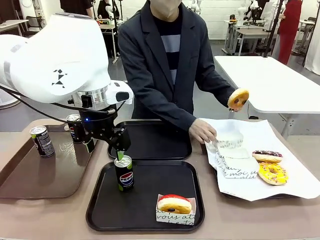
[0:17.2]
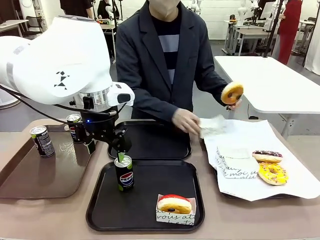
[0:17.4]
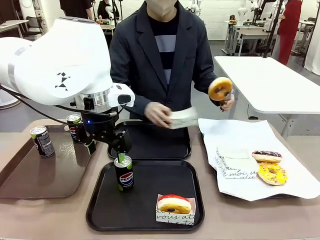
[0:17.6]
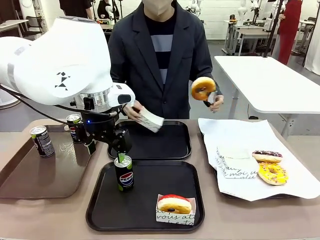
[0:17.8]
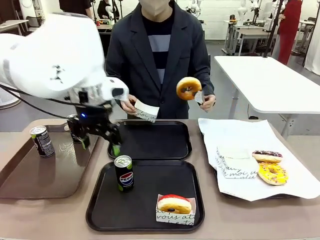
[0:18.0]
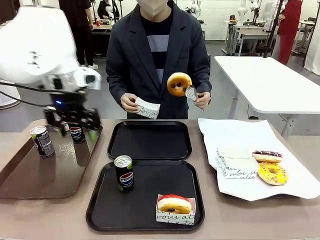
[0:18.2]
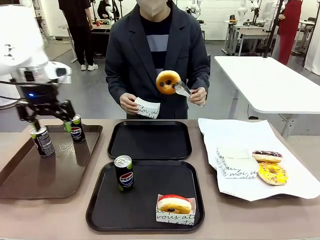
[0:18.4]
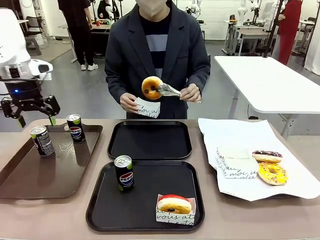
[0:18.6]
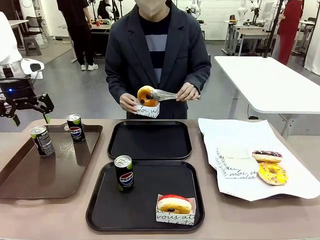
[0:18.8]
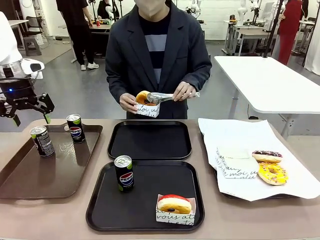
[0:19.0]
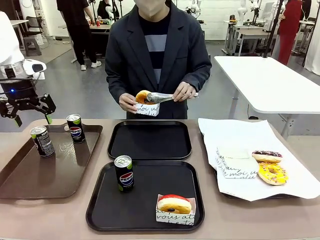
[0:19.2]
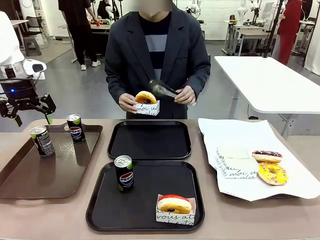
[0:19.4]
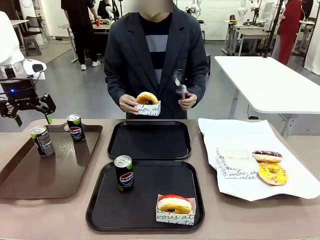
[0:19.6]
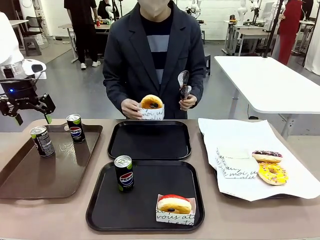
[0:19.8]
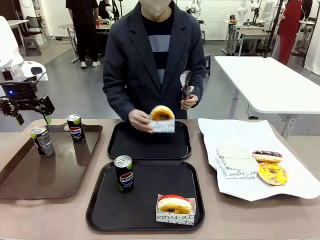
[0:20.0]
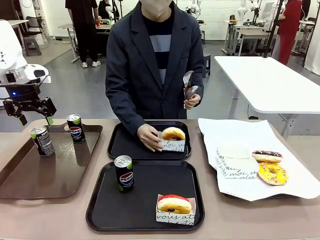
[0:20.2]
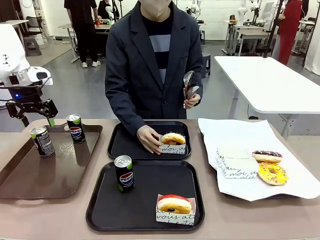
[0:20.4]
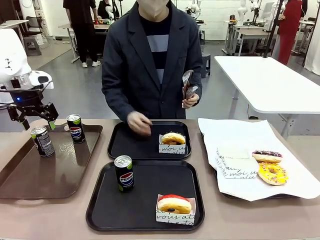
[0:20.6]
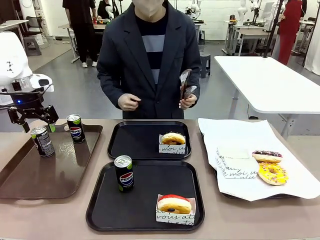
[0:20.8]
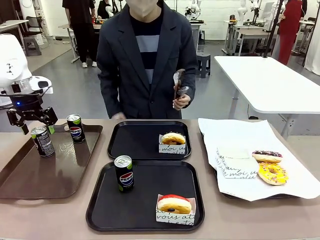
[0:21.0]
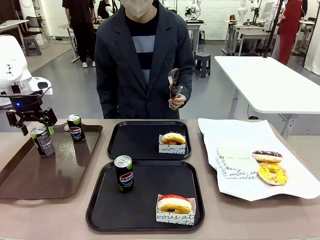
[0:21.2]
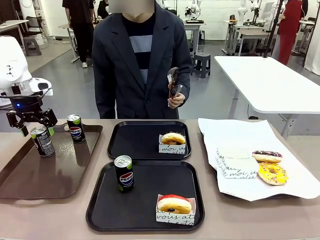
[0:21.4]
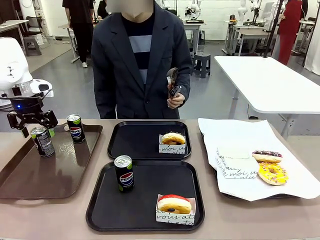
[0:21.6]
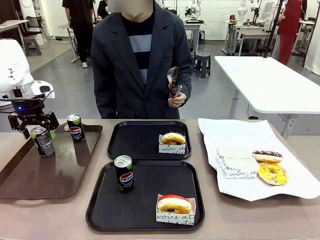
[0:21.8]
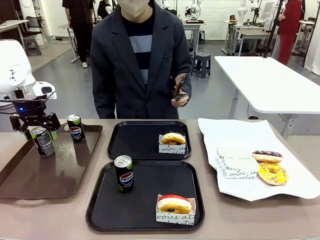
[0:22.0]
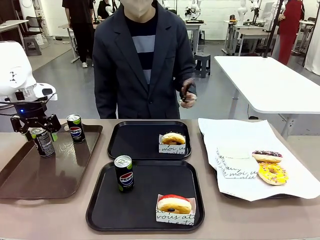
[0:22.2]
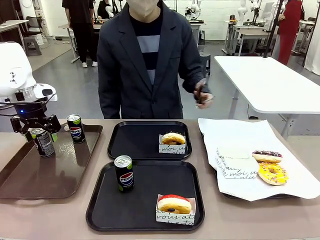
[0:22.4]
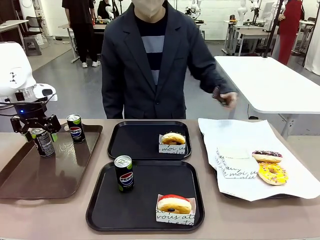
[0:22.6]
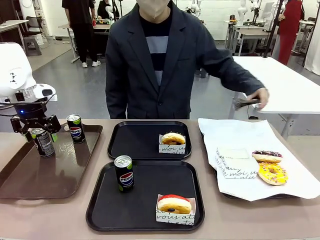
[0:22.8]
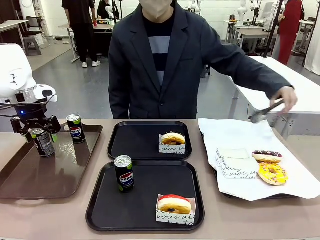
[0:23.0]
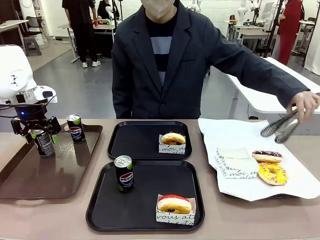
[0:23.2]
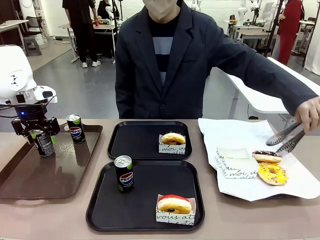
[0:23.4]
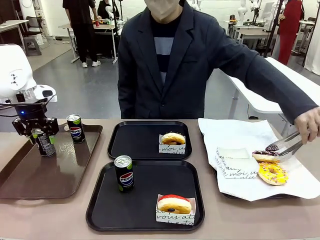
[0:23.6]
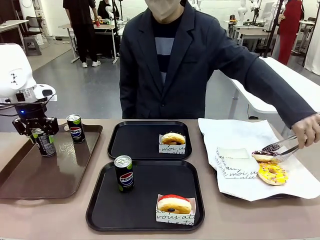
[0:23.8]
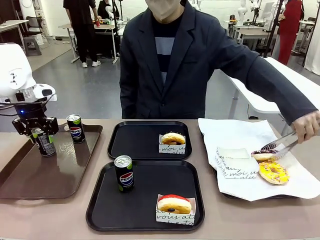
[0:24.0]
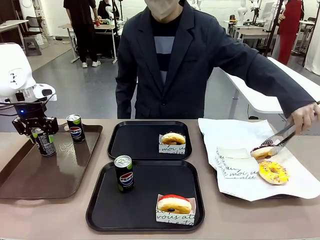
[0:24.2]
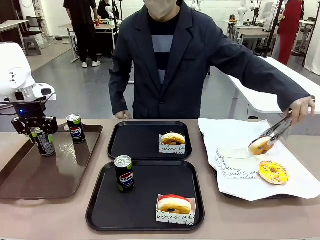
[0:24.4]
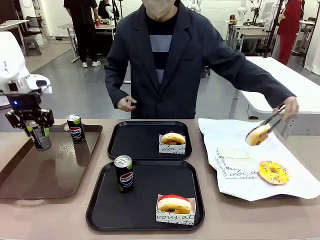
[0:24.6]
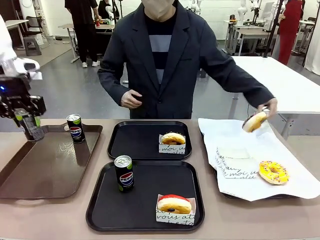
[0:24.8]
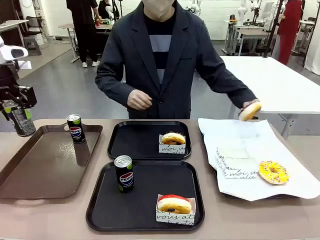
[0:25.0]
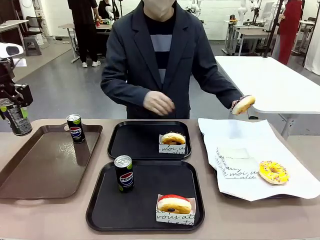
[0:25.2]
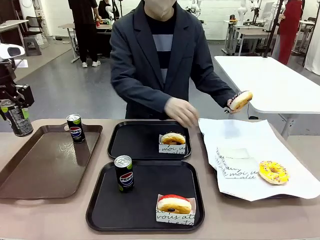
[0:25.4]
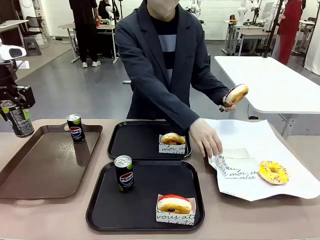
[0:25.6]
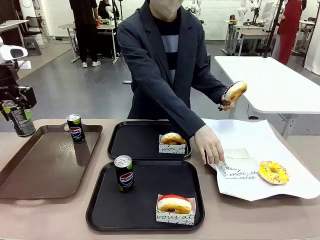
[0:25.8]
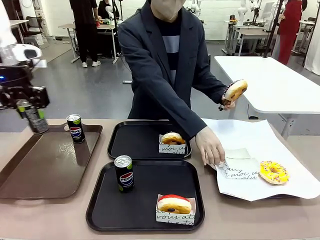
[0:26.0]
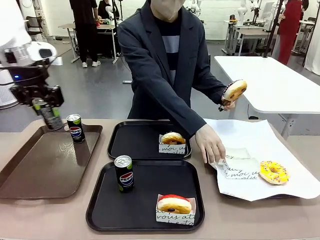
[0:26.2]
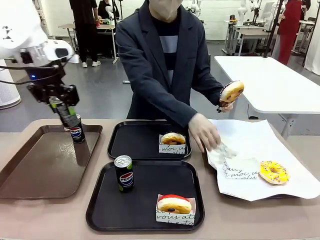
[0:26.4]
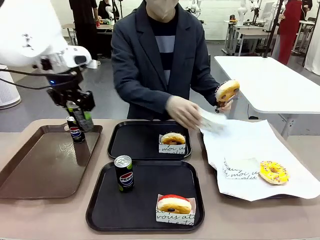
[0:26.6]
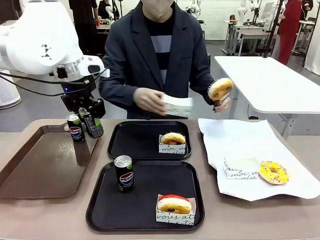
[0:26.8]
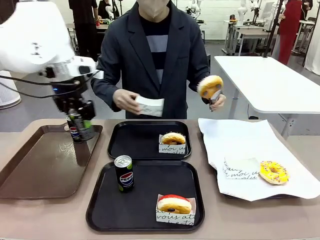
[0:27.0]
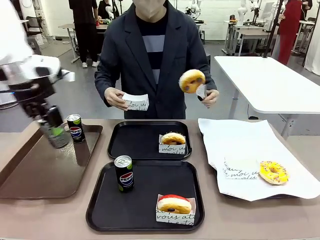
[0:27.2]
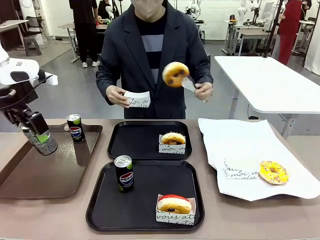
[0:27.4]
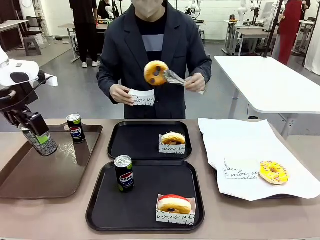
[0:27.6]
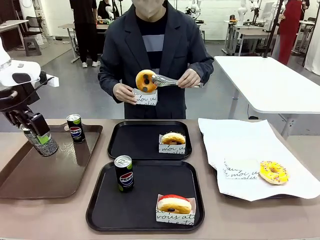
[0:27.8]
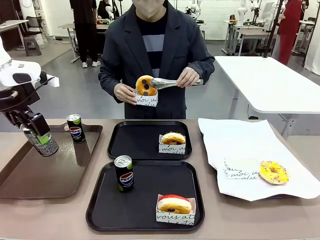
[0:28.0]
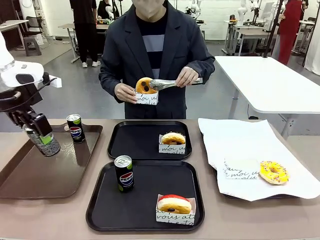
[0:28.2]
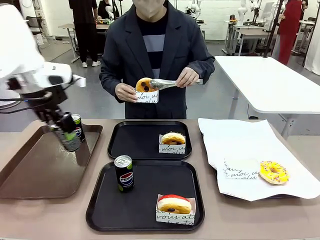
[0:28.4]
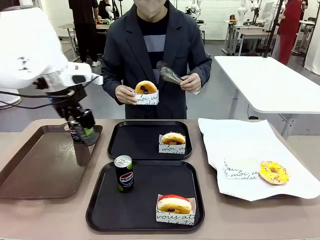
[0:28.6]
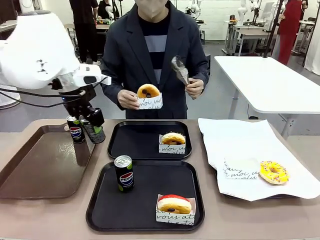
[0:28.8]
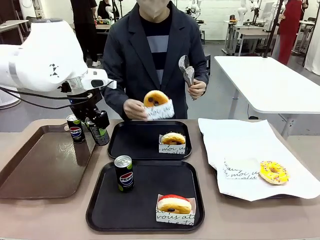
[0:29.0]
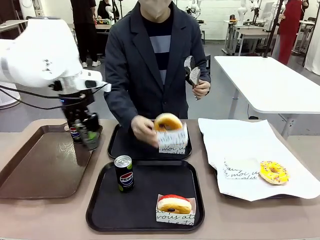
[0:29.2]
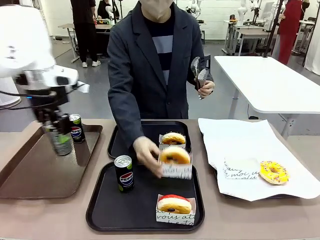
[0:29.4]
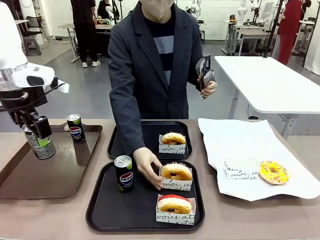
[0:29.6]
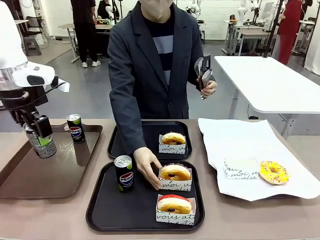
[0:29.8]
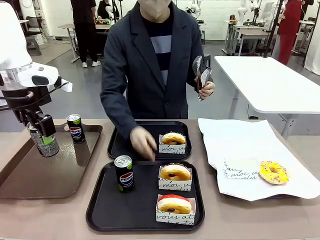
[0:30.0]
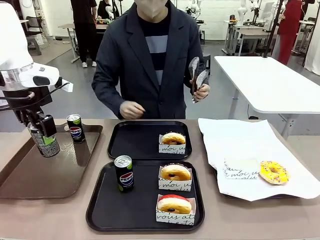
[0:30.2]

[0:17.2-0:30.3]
Task: Set up donuts and drinks on trays.
Robot: Pick up one Pepsi coke from the Handle tray and place it on the Flat Tray without a Pepsi coke.

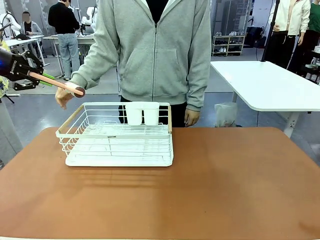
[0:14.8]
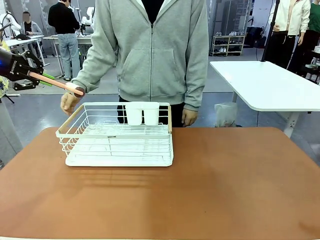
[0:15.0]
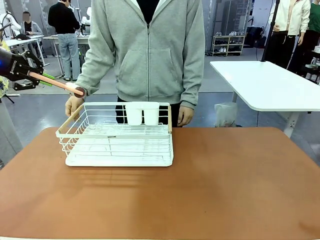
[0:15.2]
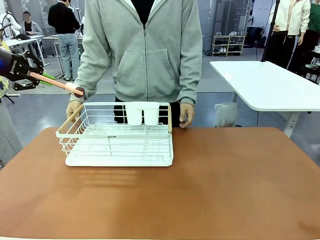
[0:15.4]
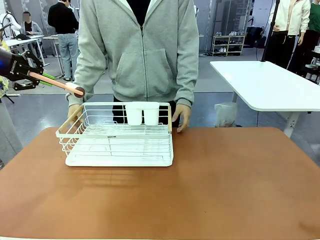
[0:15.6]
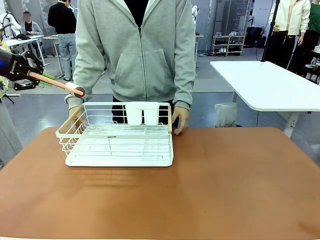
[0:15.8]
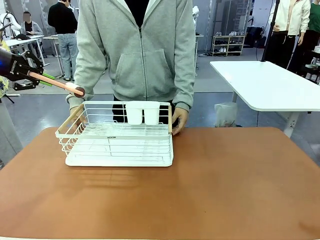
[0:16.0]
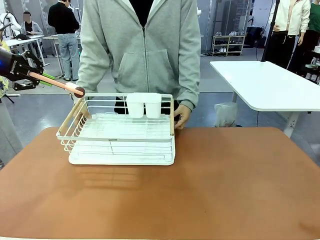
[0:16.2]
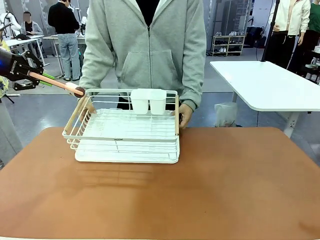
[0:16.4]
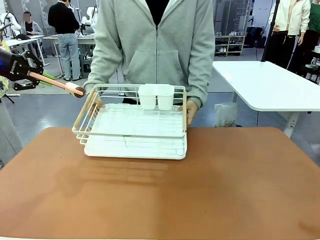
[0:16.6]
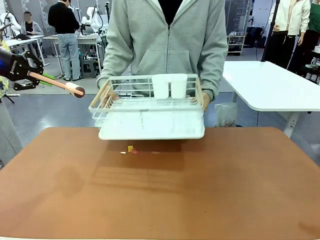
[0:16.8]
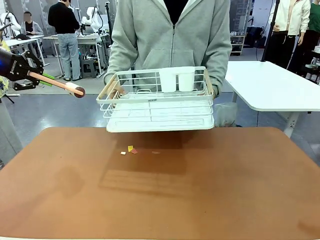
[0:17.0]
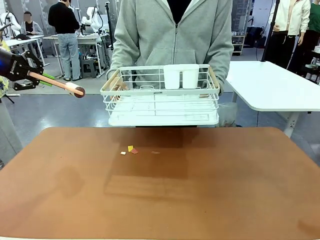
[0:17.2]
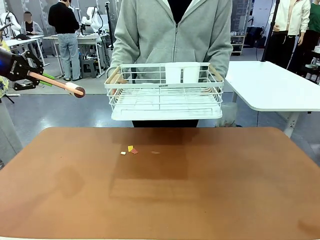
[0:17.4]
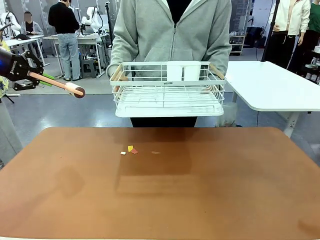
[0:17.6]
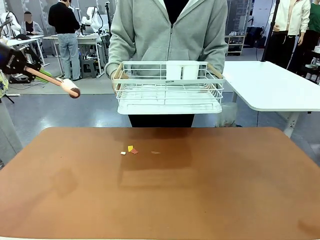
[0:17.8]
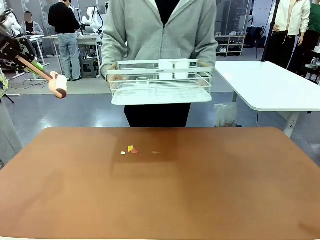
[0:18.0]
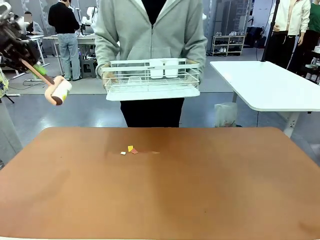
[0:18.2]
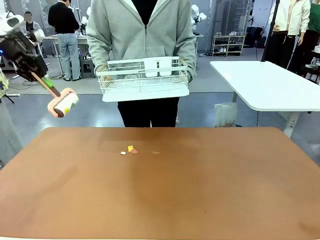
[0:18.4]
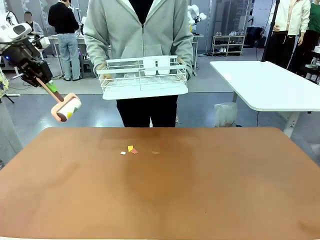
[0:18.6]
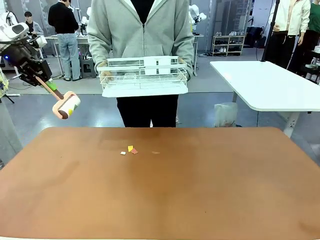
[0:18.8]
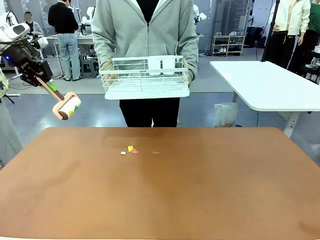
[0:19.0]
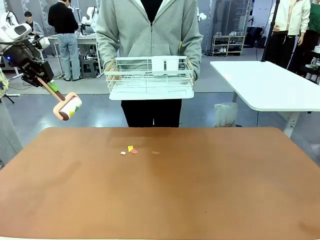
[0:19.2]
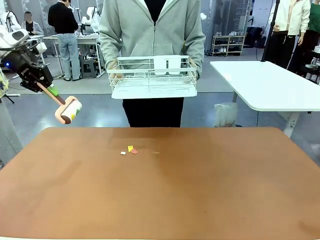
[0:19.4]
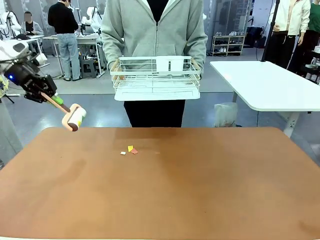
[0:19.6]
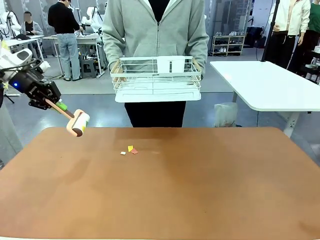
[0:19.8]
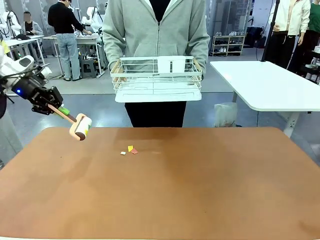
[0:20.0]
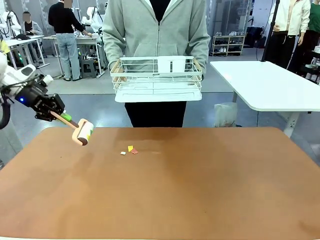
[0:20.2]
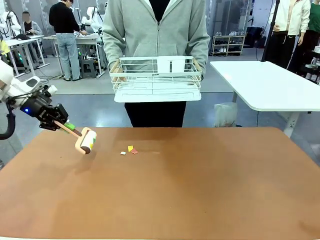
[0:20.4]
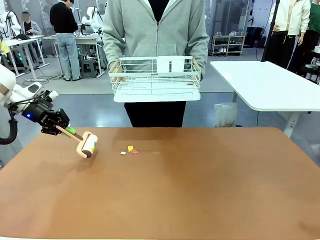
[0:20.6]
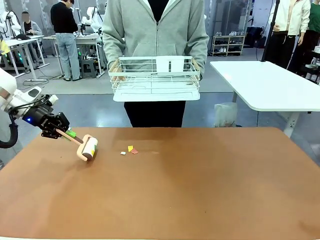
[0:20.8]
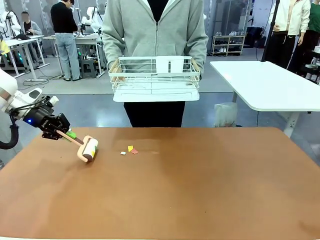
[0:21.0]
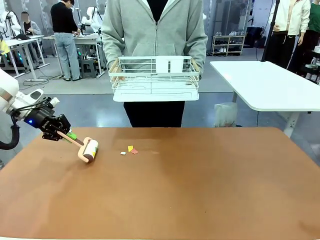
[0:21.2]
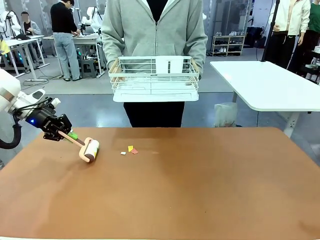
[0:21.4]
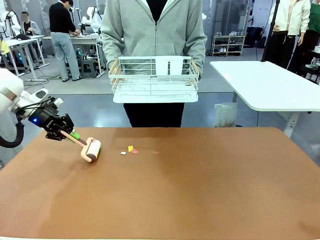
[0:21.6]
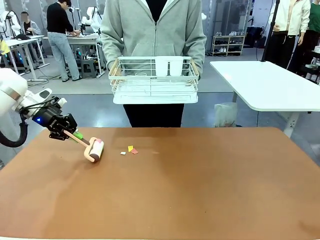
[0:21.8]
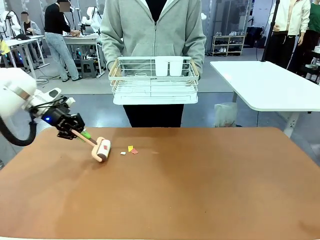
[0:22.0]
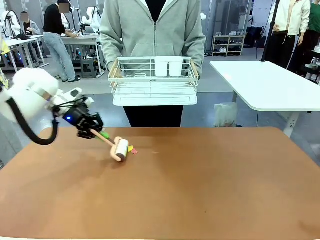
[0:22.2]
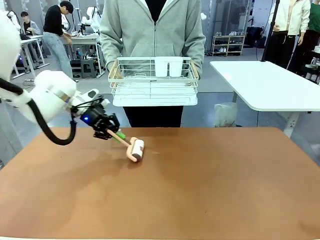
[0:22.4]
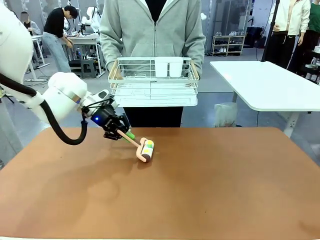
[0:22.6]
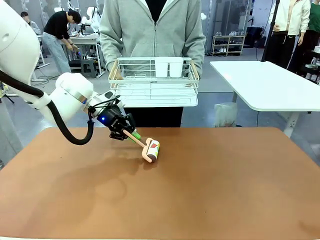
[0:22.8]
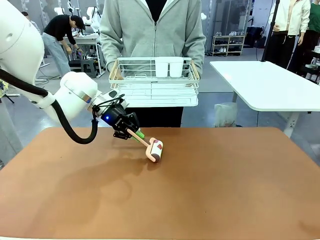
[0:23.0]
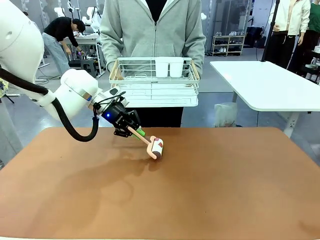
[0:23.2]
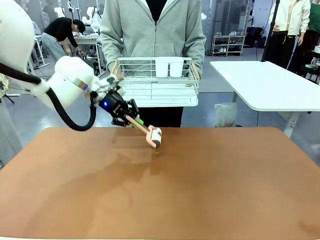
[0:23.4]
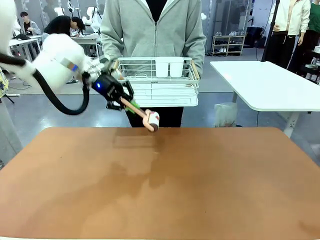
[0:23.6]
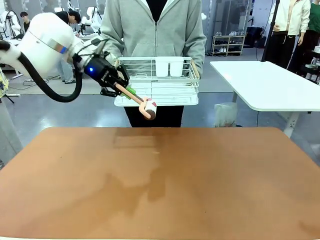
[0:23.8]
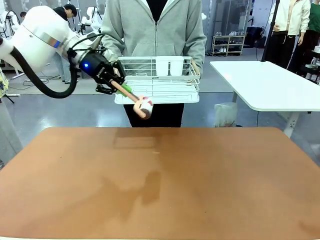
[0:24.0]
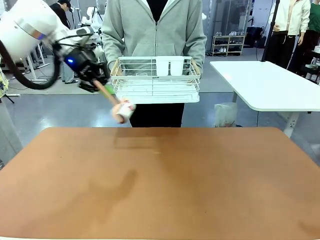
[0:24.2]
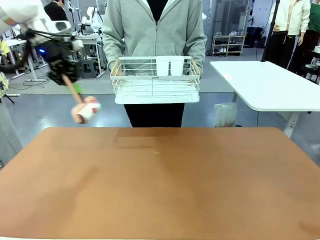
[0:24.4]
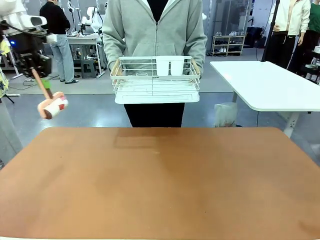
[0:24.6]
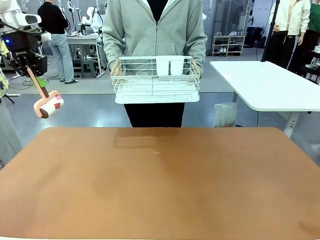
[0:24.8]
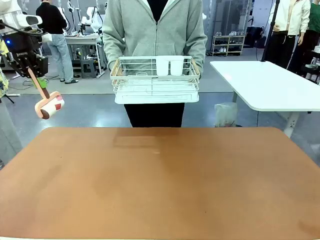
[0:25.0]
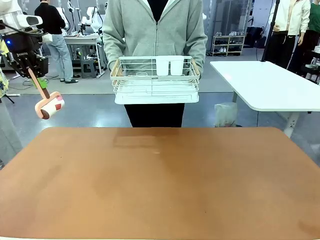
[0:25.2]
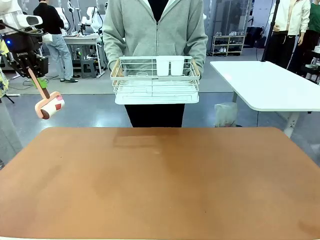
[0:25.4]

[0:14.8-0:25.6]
Task: Clean the table.
Robot: Clean the table with the Lint Roller when the human lifts the Dish drying rack.
